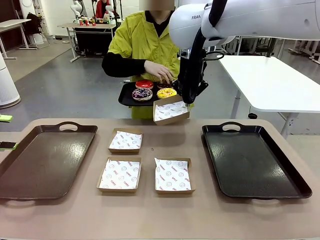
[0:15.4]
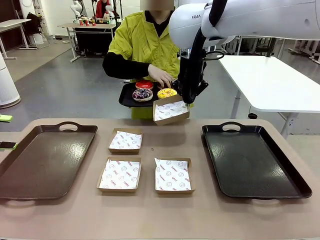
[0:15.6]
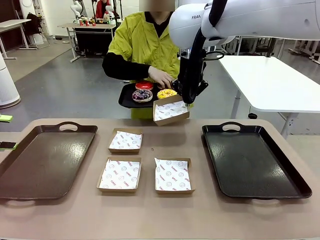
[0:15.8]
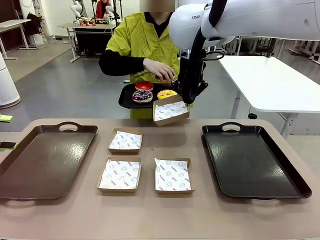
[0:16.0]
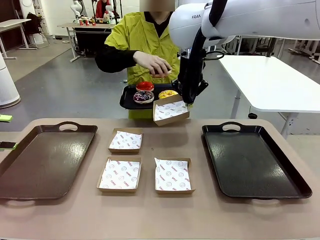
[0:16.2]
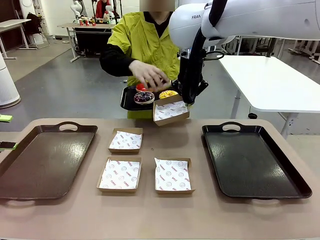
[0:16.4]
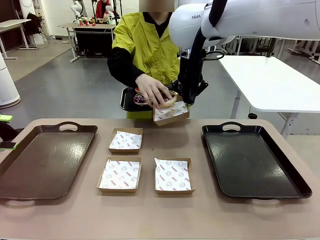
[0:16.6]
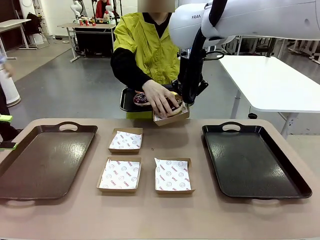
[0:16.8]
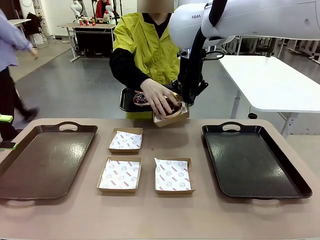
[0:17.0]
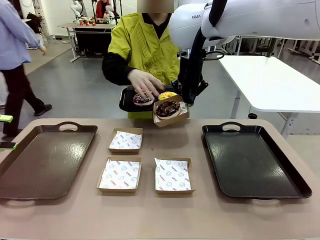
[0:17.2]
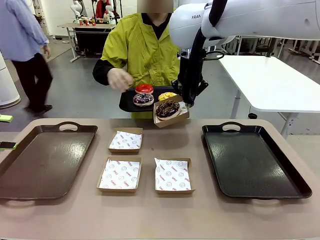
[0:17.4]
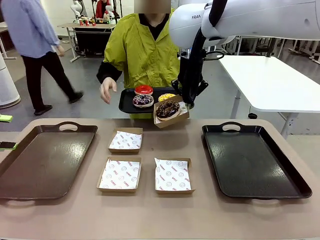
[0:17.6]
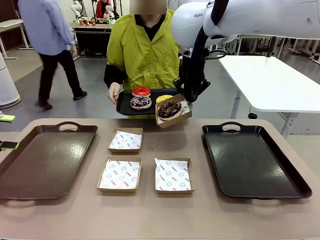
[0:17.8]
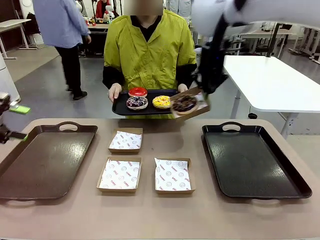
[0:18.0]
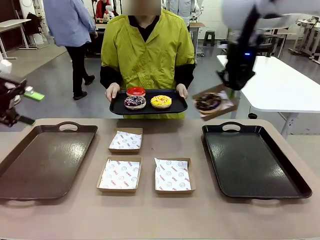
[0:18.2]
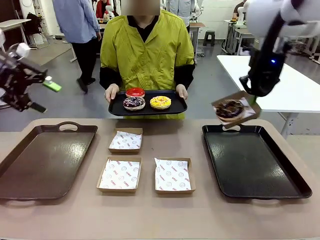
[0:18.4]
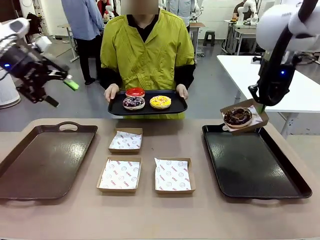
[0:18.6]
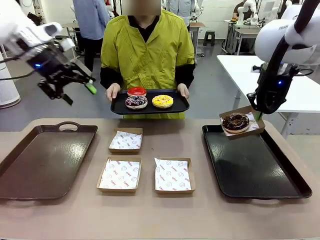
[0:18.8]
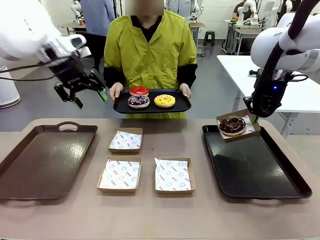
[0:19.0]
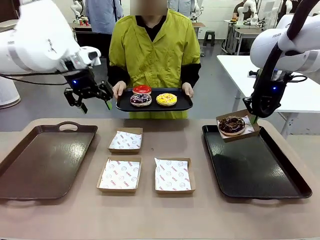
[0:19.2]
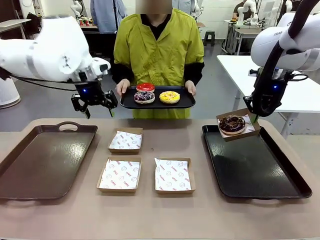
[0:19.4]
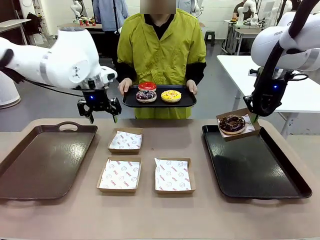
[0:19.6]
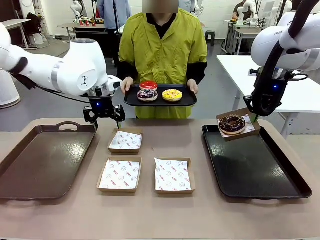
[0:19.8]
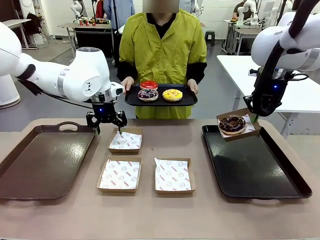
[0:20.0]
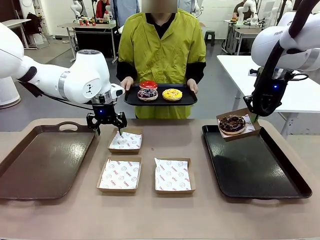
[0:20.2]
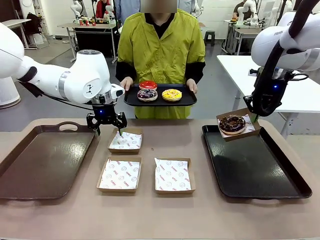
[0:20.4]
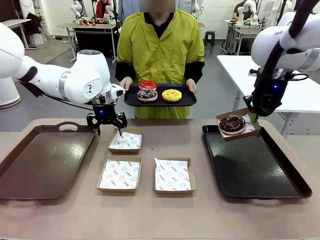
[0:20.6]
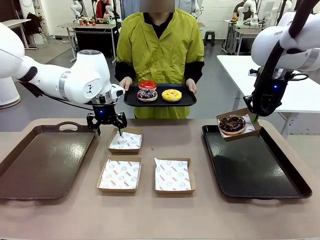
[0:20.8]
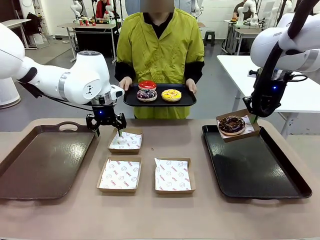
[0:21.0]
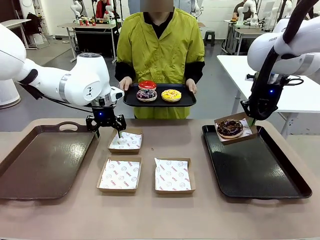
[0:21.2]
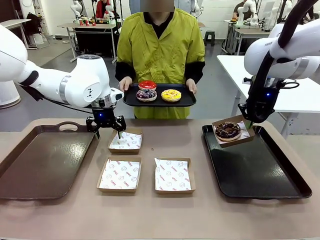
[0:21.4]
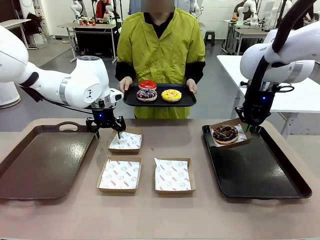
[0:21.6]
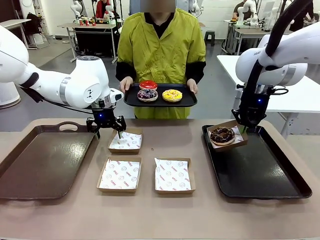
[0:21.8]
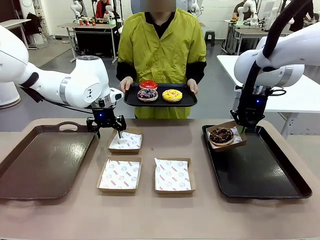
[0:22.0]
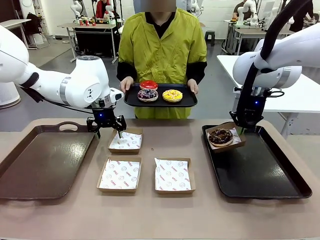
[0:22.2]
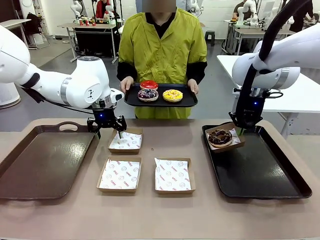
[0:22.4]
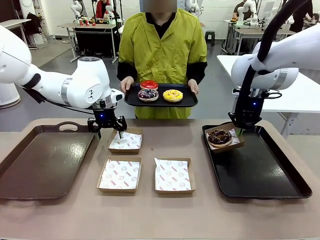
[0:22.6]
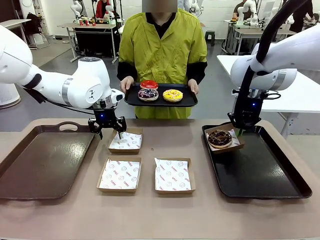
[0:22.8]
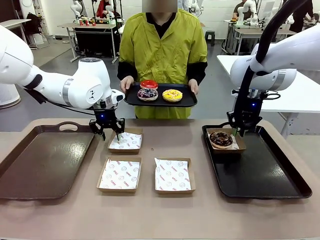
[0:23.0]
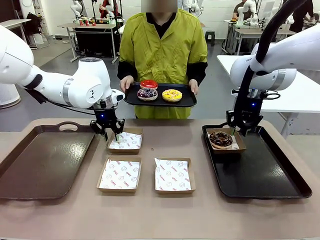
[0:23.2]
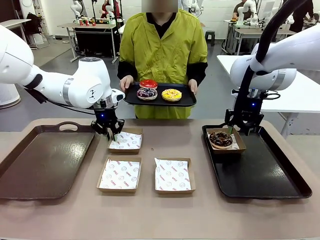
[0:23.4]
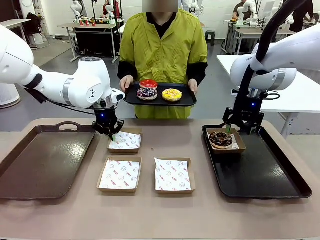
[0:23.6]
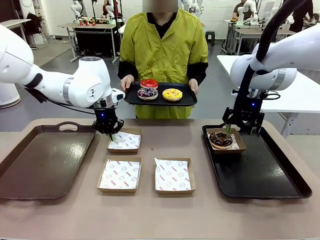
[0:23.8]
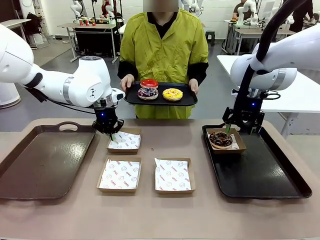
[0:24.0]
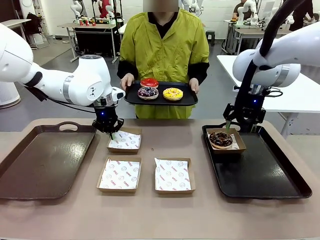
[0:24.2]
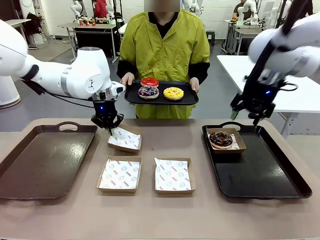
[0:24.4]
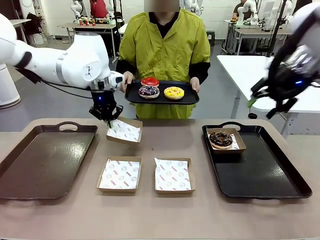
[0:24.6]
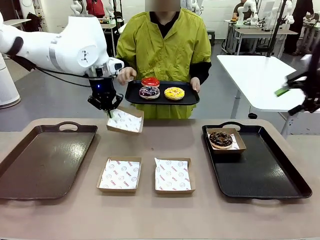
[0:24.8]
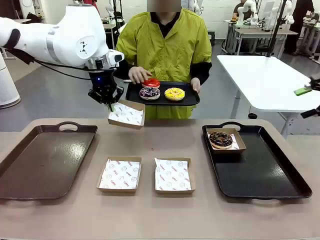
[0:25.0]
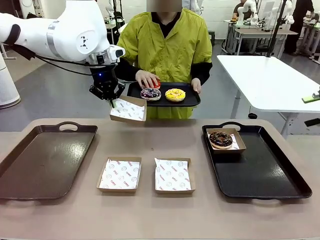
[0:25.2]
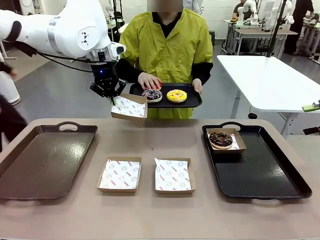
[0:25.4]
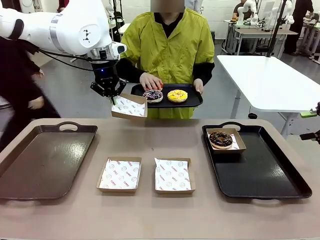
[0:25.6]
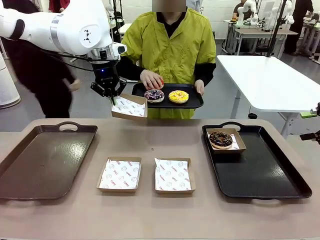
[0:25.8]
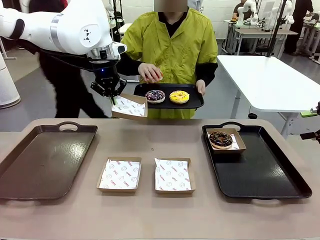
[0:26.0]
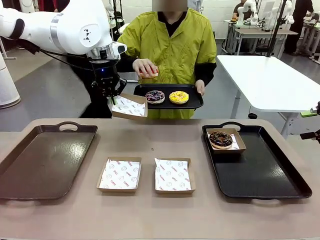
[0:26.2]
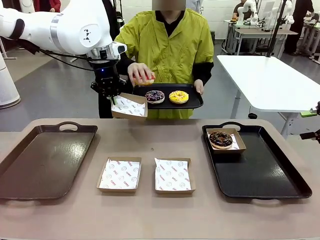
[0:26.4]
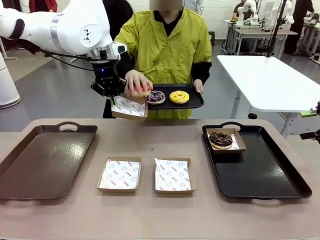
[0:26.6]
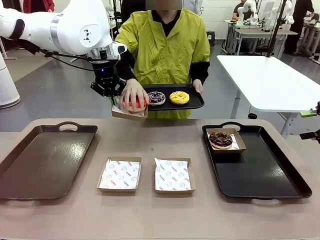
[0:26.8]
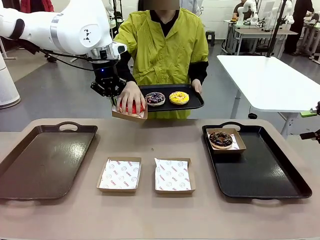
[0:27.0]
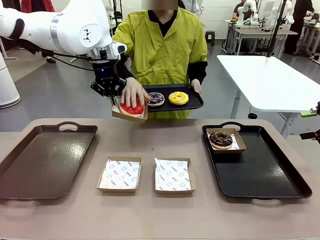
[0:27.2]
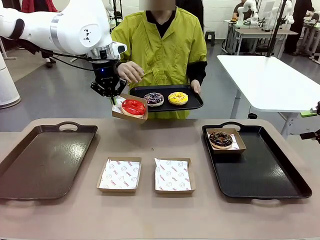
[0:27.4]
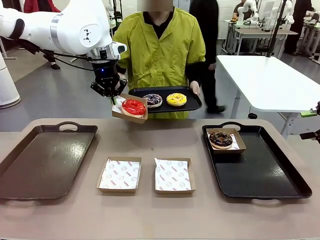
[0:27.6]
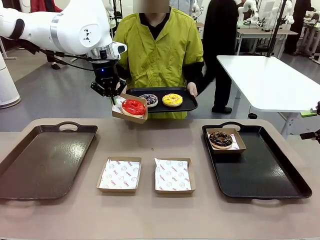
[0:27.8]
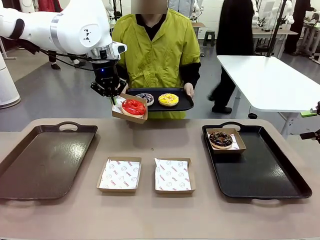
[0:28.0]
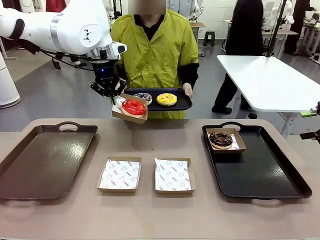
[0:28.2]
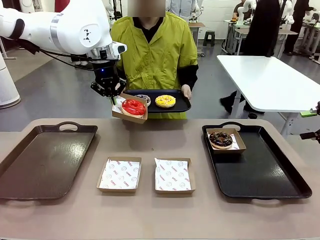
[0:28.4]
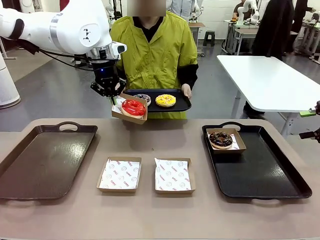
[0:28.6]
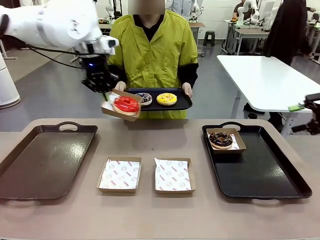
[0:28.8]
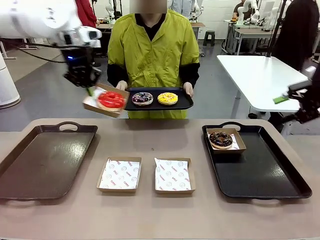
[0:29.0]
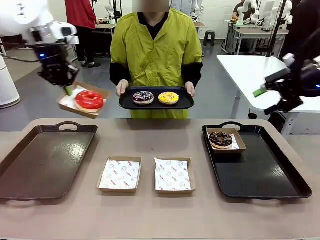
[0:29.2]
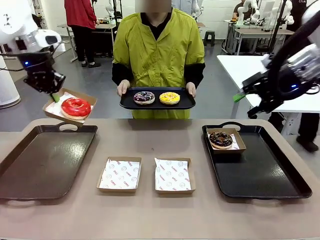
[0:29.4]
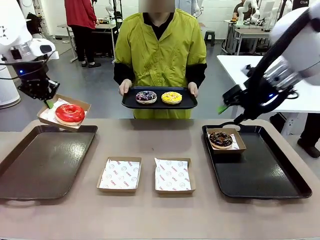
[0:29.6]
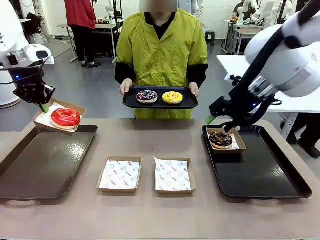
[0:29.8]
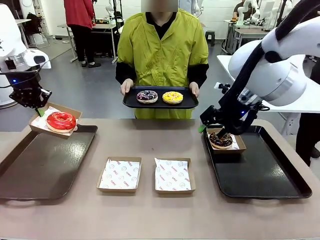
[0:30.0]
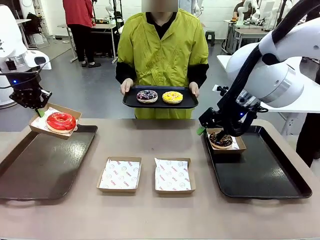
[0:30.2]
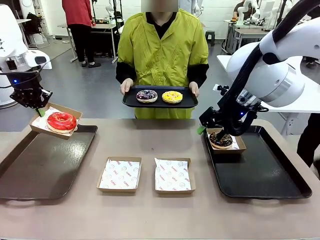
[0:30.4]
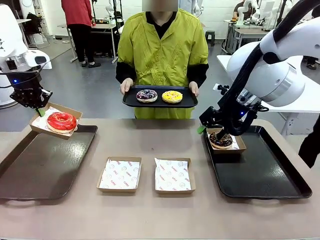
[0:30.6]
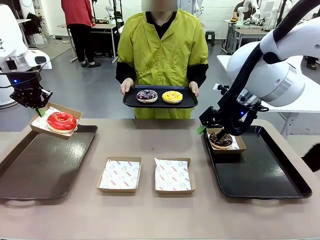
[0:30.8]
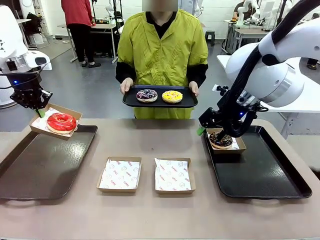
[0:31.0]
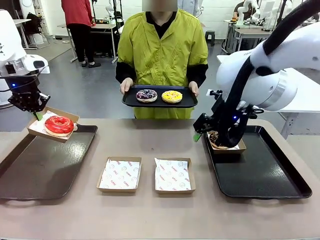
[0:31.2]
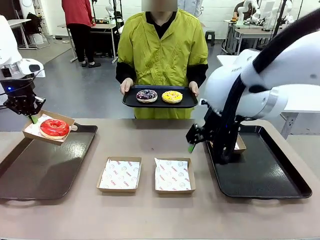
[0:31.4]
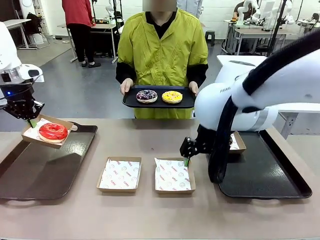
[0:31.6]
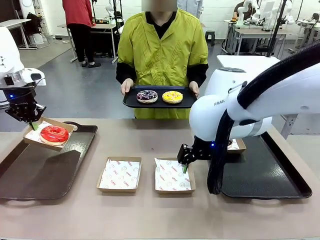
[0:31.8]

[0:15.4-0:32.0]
Task: Individually package the donuts and arrange them on the tray.
Robot: Place the picked Paper togo box on the Handle tray while simultaneously picking up another Paper togo box from the table with the other hand.
